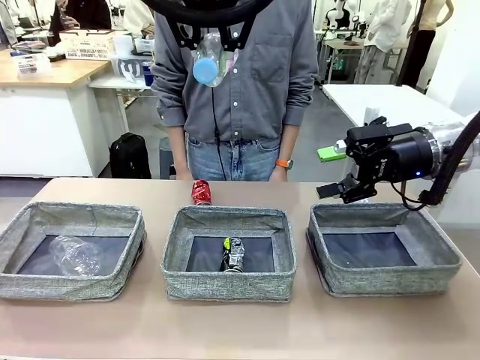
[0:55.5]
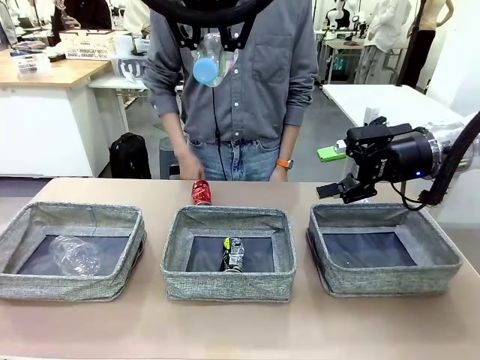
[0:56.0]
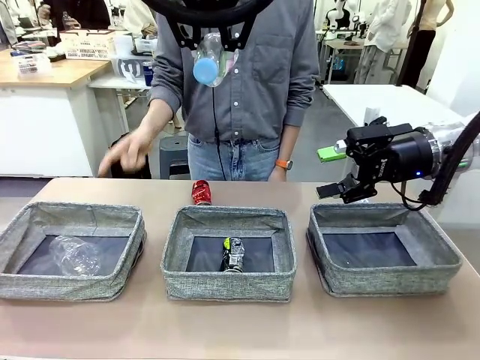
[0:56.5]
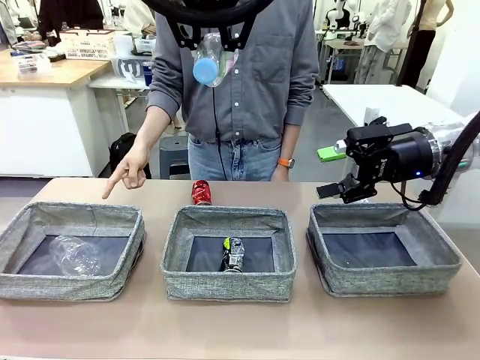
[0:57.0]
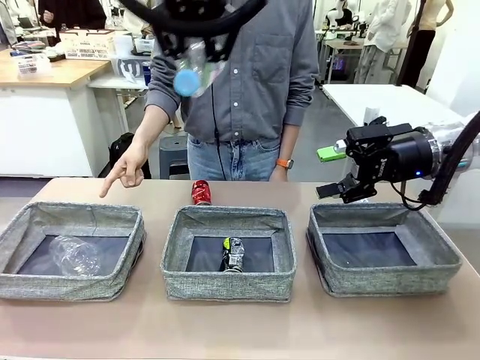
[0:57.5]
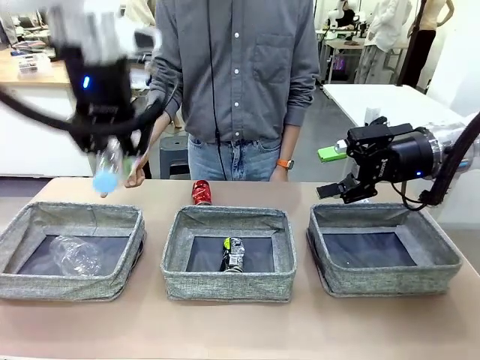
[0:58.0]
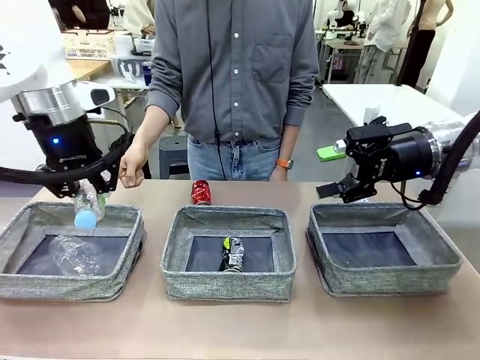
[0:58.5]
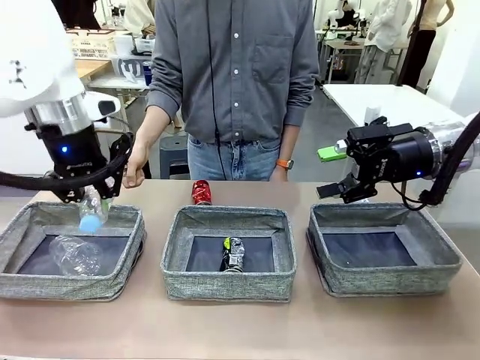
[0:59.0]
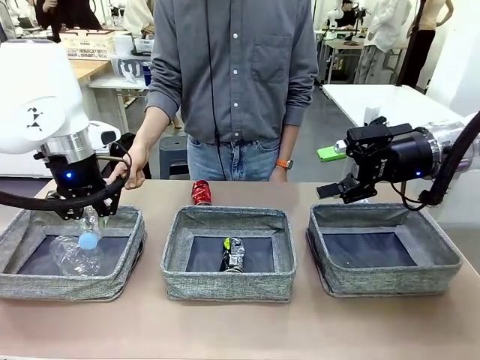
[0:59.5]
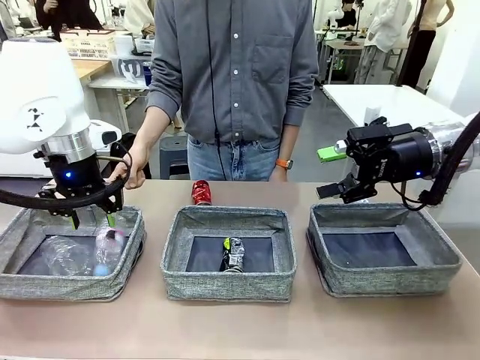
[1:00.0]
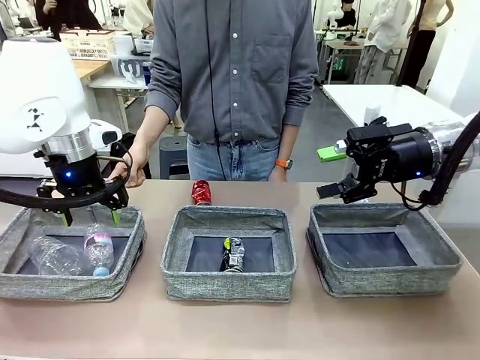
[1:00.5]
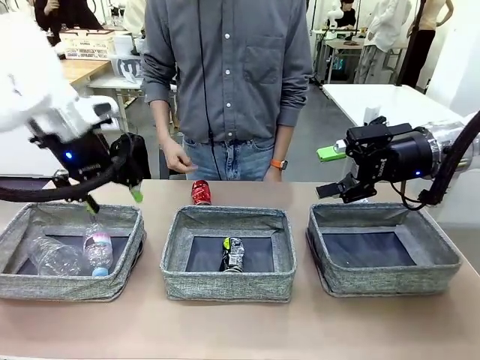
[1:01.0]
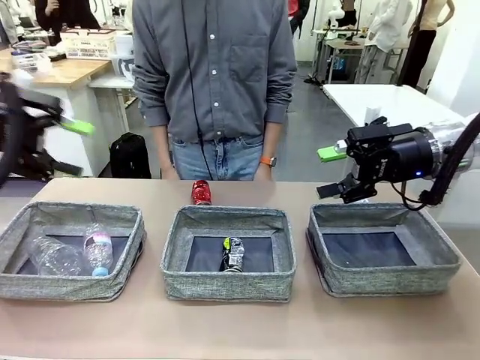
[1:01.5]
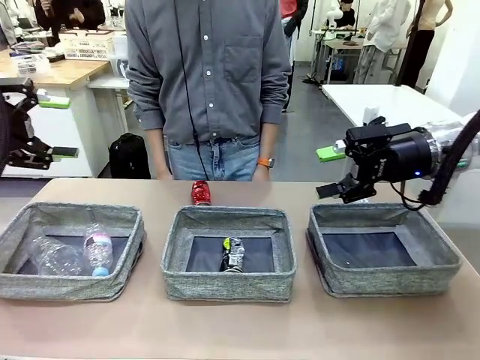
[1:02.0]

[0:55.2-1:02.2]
Task: Sort the waste into the appropriate baskets.
Robot: Place the picked waste into the Fabric basket indicated by the person.
Person: Instructs the robot to place the picked-up trash into the appropriate organizing basket.

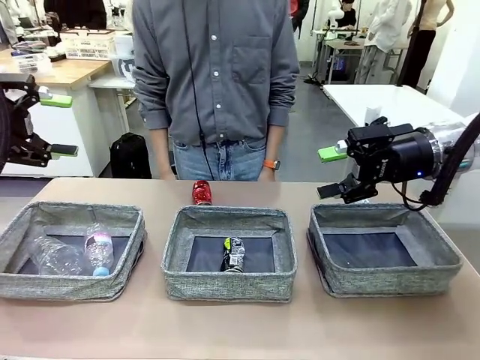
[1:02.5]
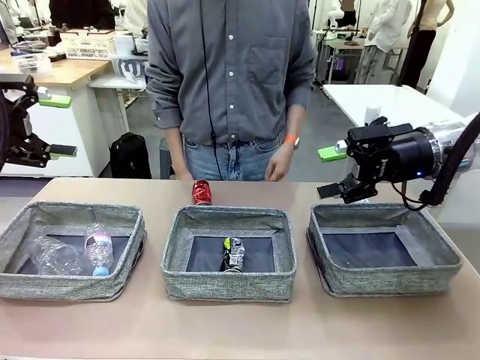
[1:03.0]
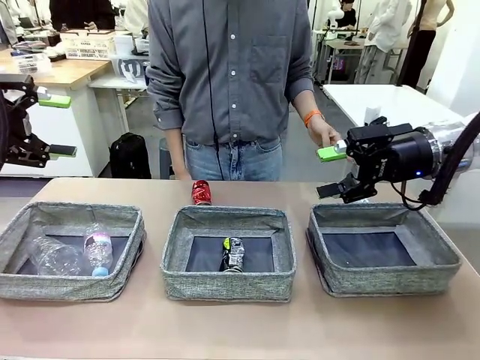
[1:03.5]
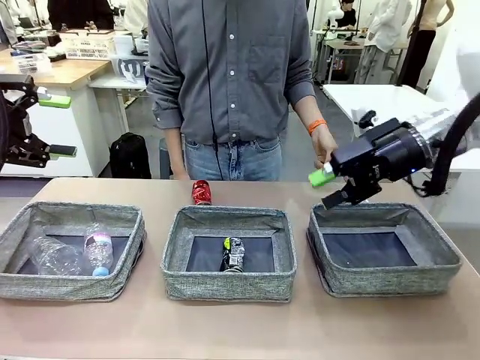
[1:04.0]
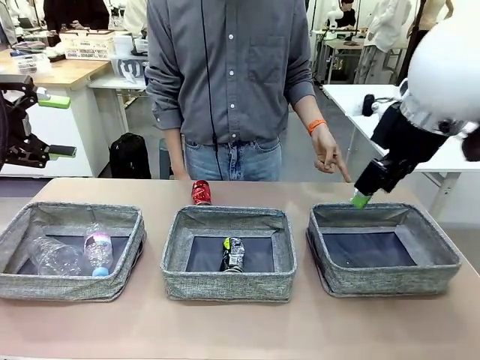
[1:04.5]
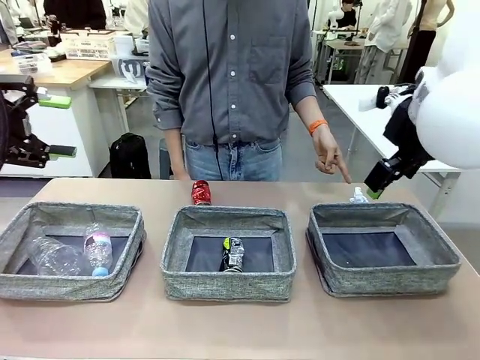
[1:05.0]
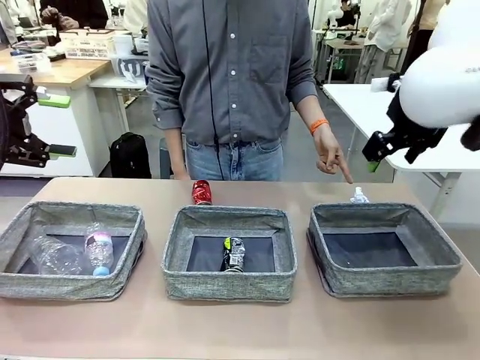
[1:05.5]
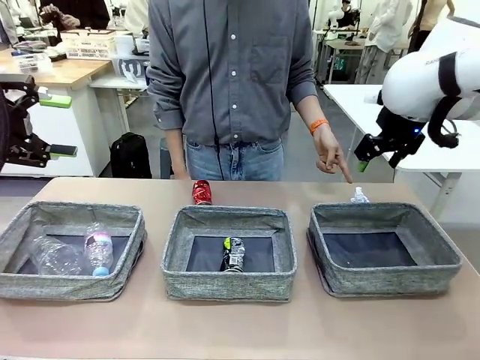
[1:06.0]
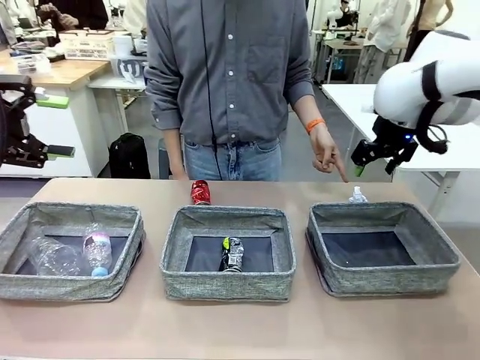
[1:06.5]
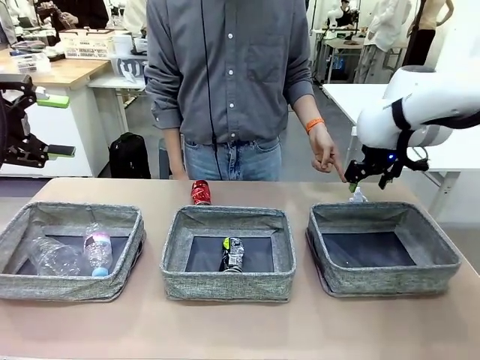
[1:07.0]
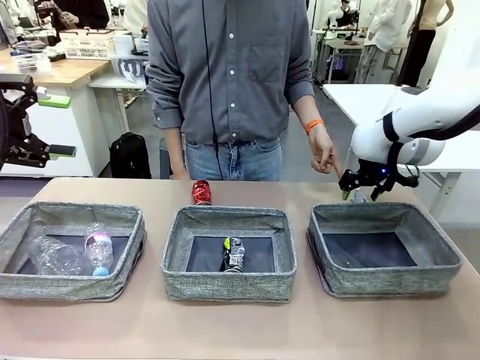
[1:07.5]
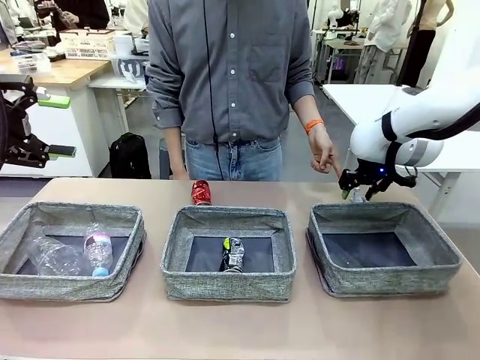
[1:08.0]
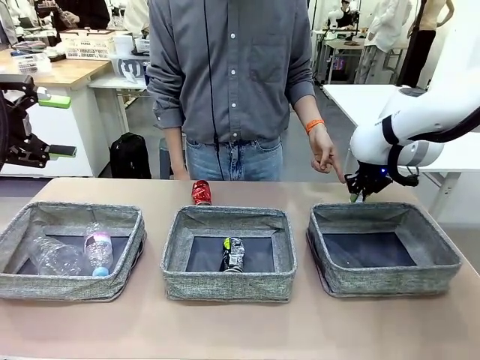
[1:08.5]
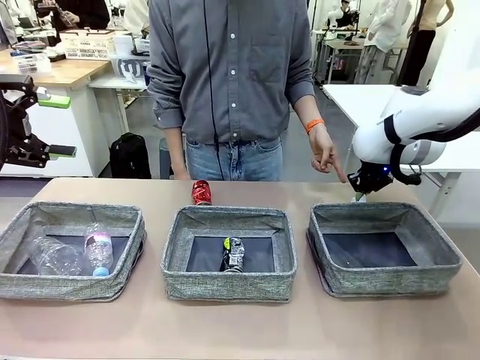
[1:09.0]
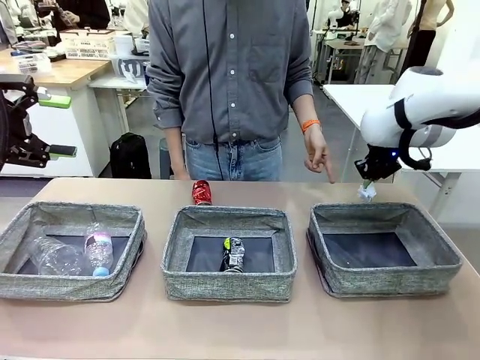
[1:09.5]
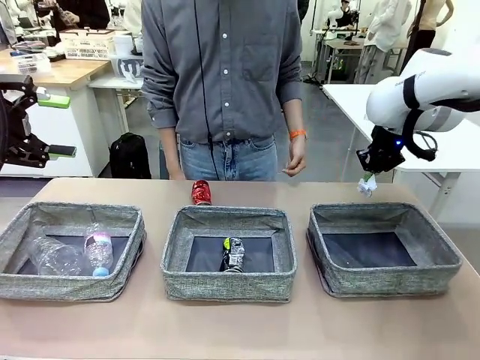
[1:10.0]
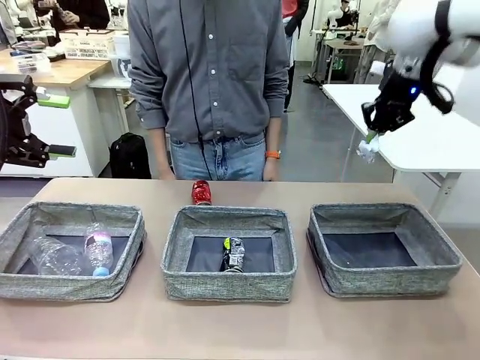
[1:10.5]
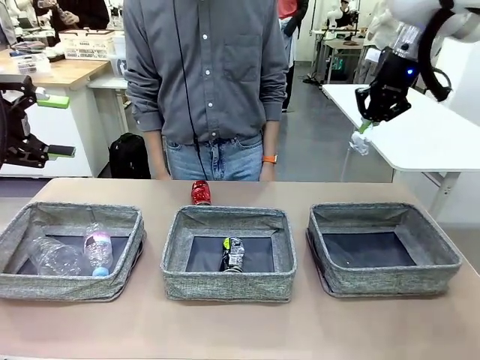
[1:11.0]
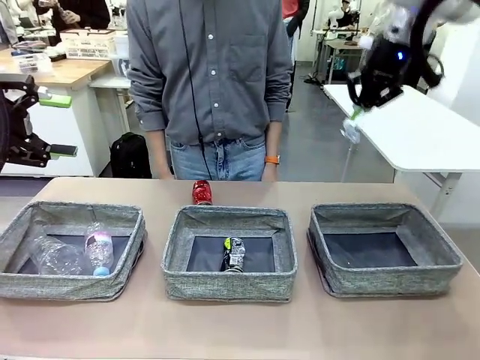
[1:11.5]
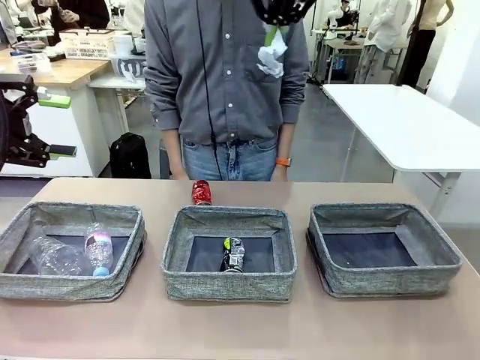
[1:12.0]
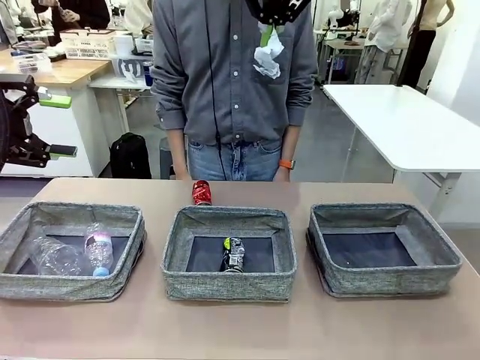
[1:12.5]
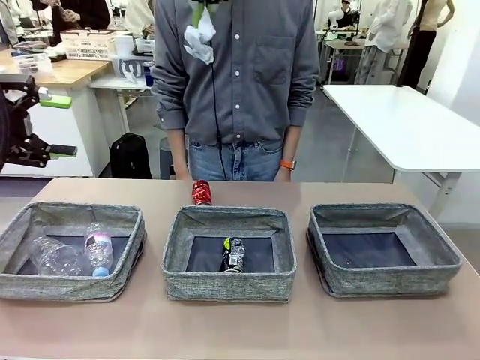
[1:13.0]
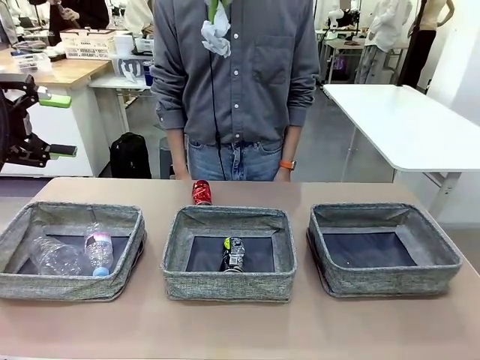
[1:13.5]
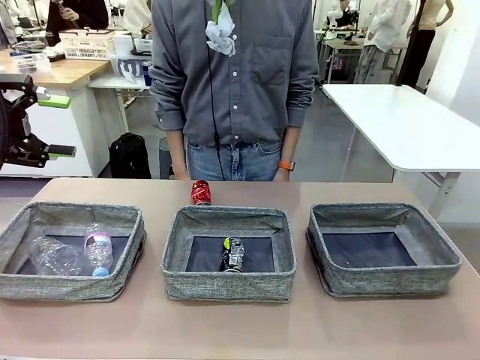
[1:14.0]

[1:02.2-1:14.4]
Robot: Pick up the waste item pointed out by the person.
Person: Points to one piece of trash on the table.

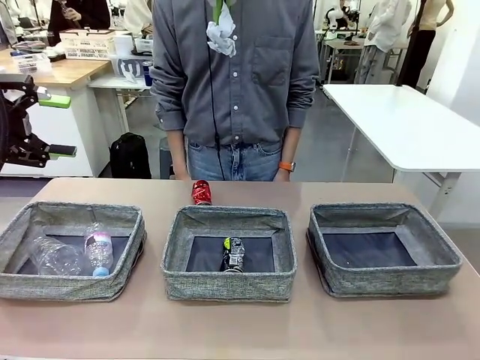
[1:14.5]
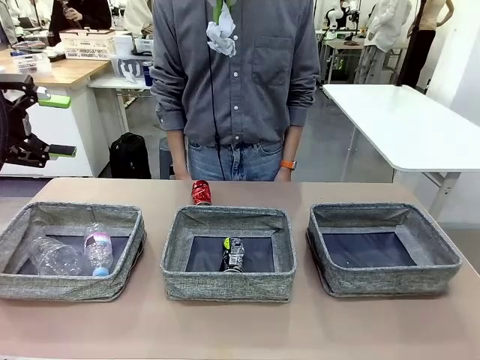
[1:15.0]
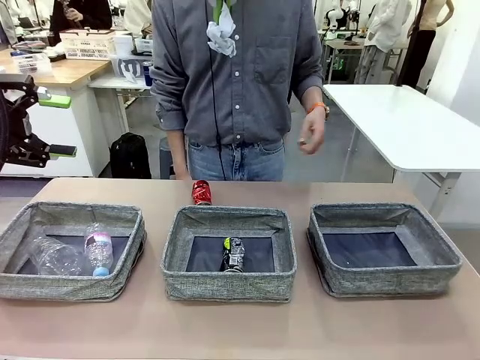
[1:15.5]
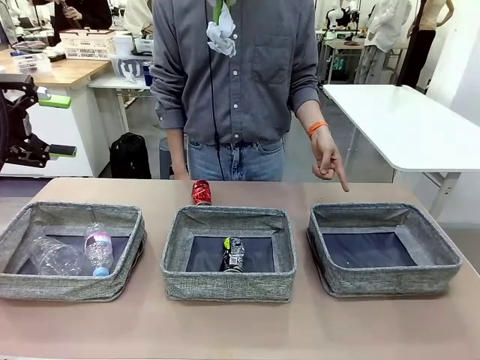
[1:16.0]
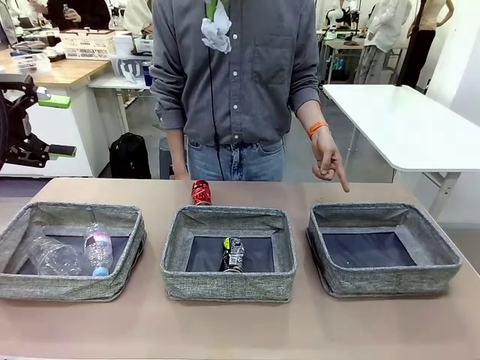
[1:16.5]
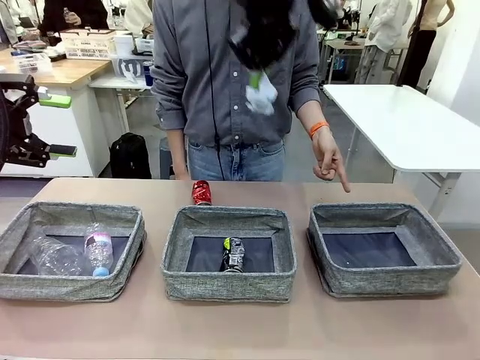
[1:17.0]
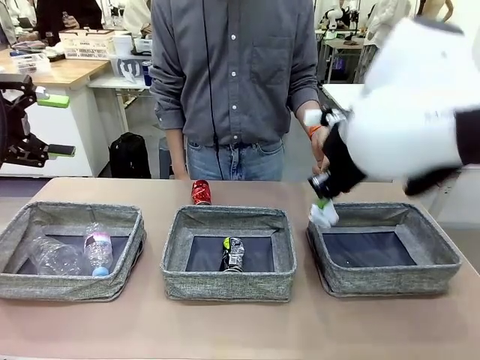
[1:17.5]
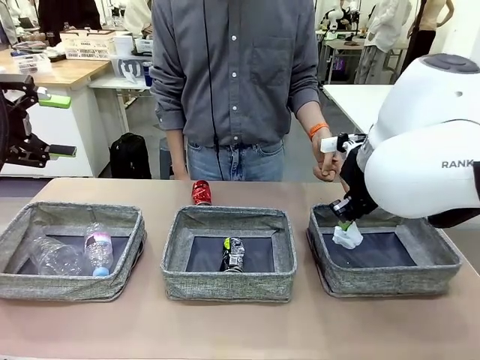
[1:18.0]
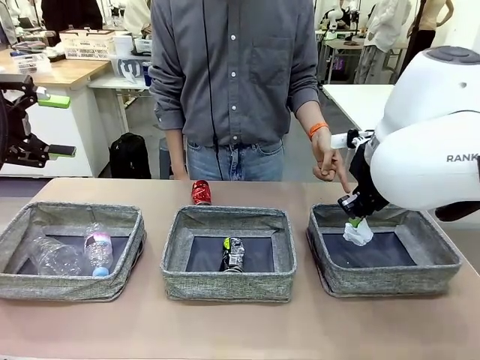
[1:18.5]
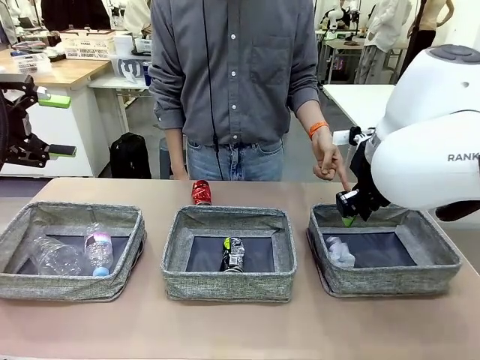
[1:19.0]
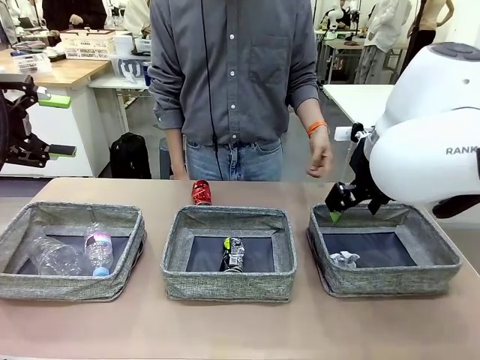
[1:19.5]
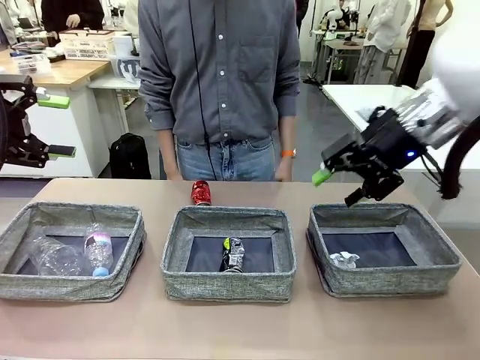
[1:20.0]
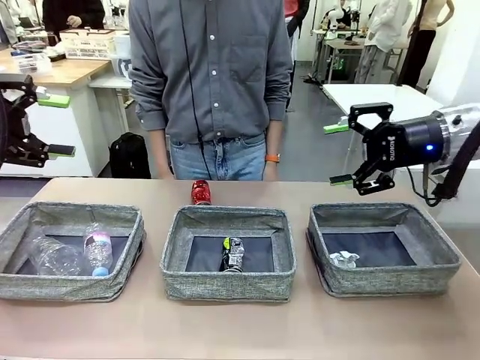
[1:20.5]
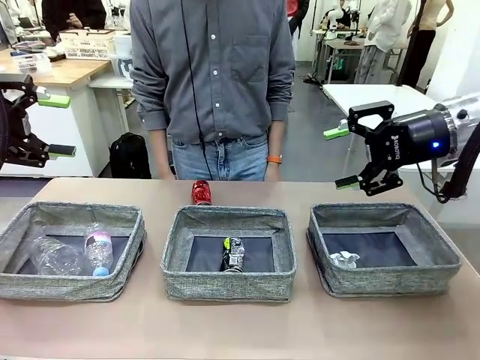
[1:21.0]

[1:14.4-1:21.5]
Robot: Place the picked waste into the Fabric basket indicated by the person.
Person: Instructs the robot to place the picked-up trash into the appropriate organizing basket.
